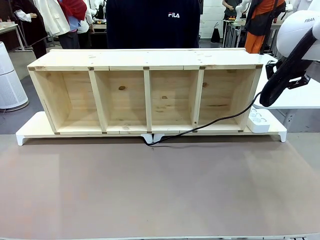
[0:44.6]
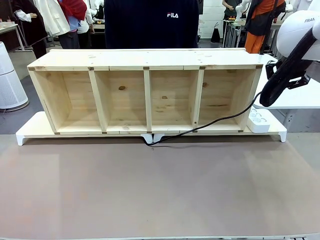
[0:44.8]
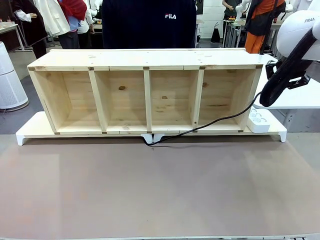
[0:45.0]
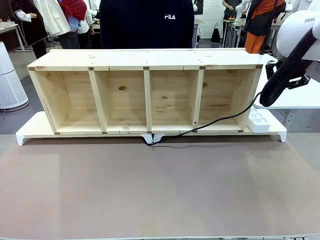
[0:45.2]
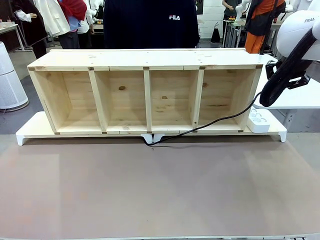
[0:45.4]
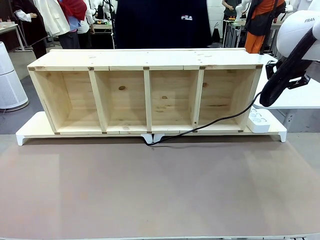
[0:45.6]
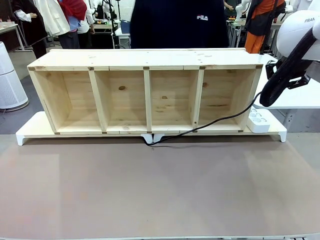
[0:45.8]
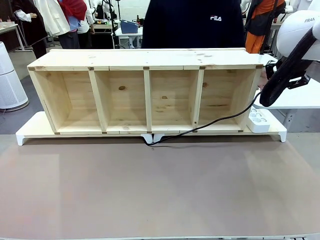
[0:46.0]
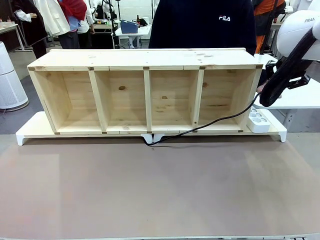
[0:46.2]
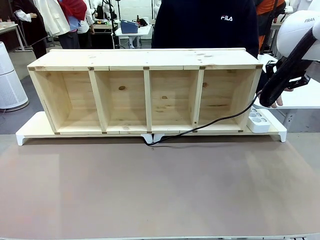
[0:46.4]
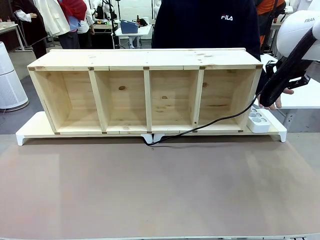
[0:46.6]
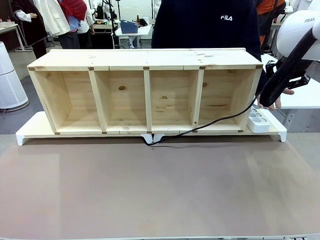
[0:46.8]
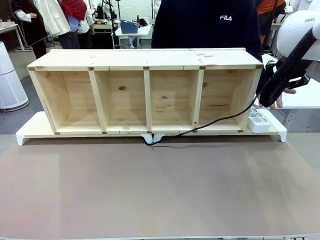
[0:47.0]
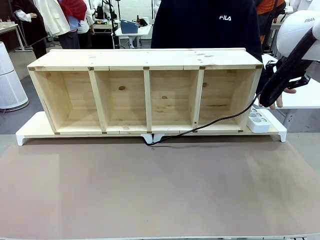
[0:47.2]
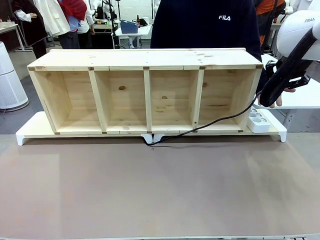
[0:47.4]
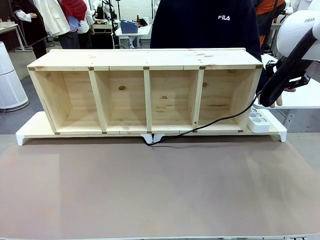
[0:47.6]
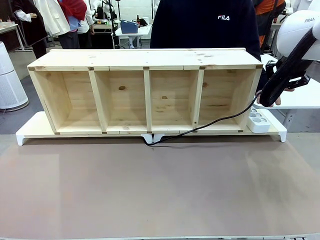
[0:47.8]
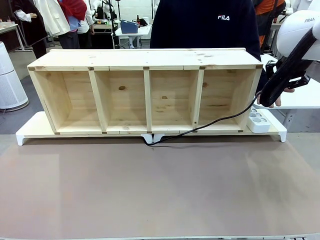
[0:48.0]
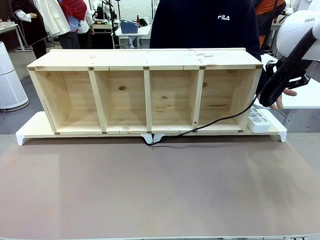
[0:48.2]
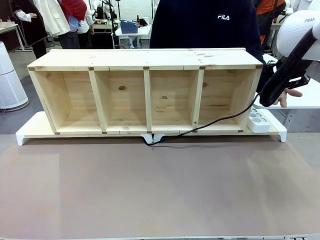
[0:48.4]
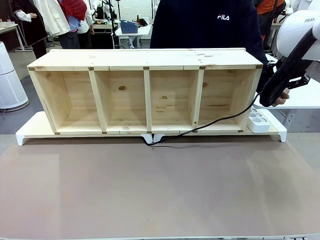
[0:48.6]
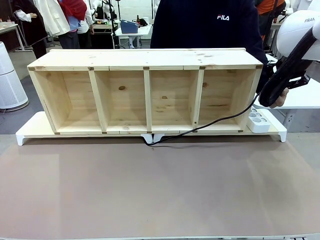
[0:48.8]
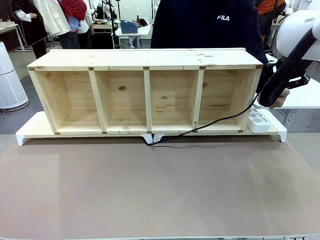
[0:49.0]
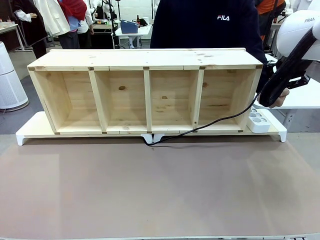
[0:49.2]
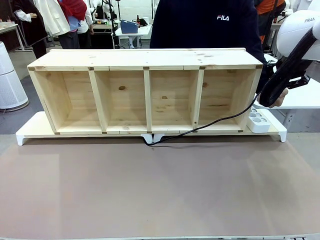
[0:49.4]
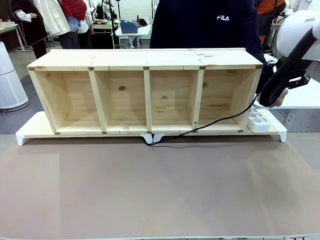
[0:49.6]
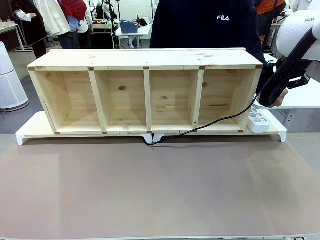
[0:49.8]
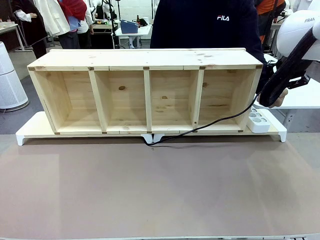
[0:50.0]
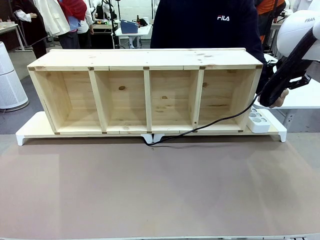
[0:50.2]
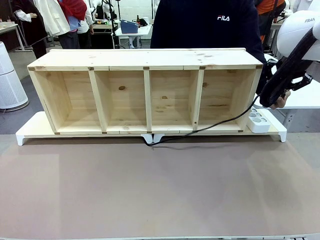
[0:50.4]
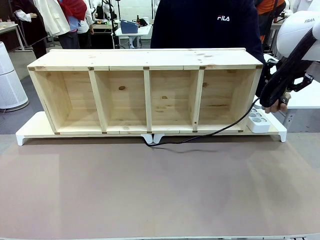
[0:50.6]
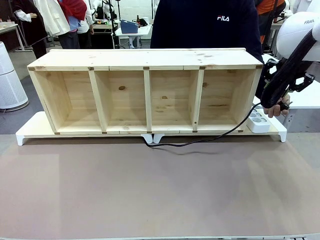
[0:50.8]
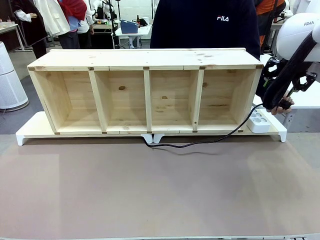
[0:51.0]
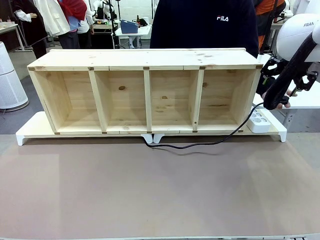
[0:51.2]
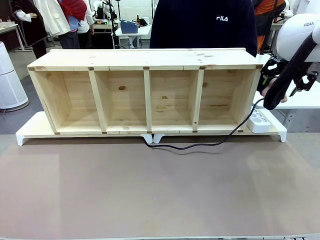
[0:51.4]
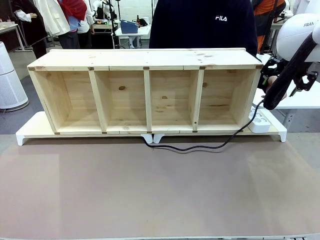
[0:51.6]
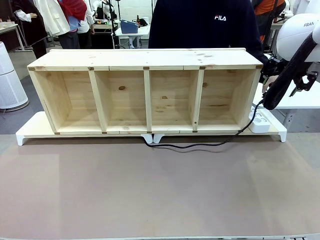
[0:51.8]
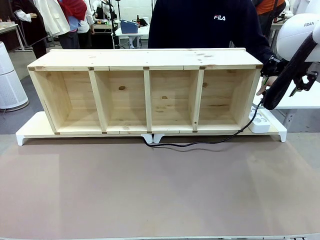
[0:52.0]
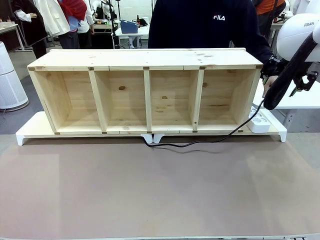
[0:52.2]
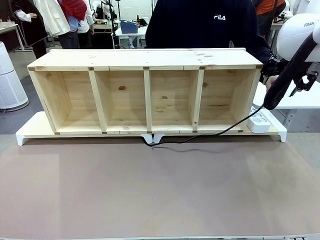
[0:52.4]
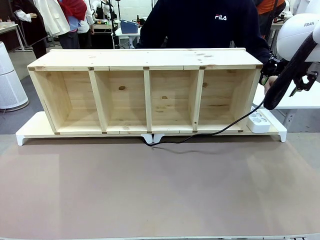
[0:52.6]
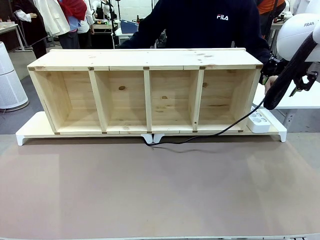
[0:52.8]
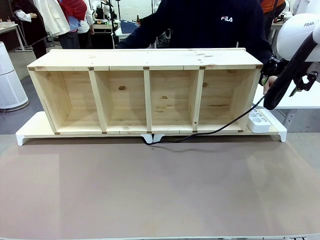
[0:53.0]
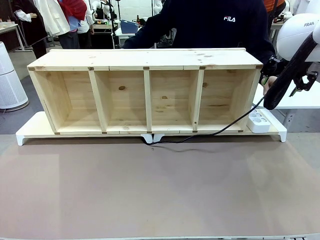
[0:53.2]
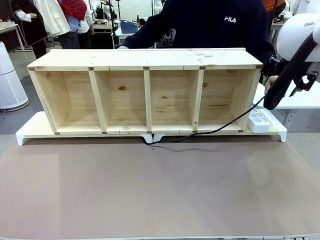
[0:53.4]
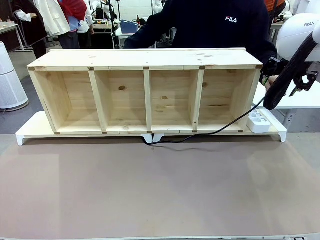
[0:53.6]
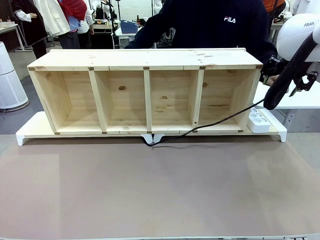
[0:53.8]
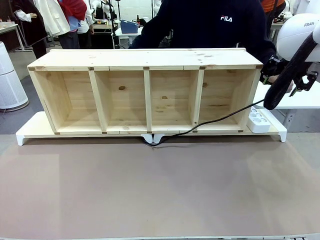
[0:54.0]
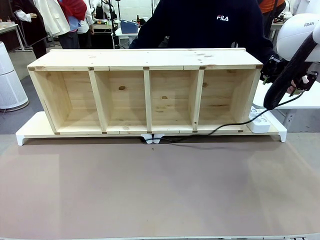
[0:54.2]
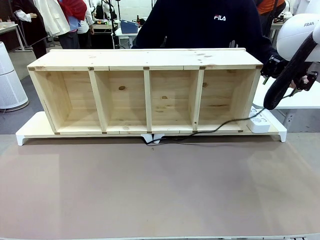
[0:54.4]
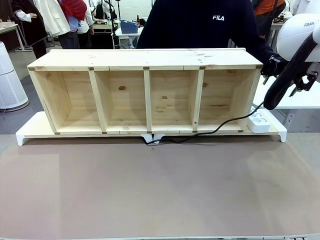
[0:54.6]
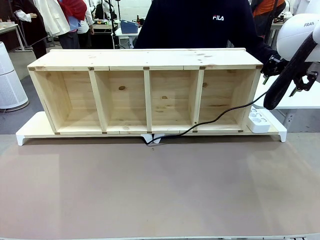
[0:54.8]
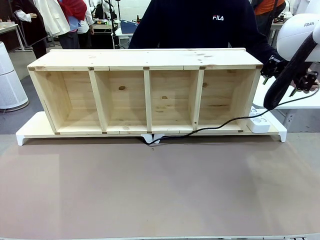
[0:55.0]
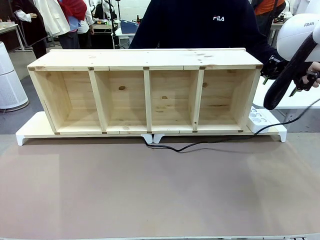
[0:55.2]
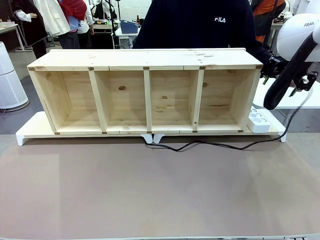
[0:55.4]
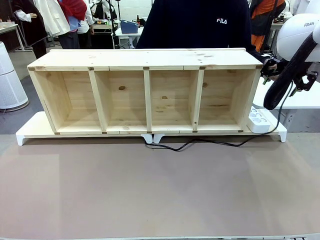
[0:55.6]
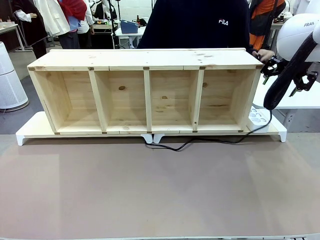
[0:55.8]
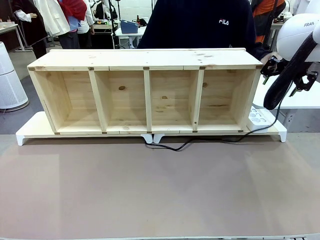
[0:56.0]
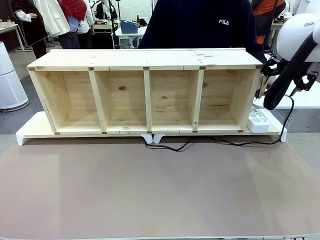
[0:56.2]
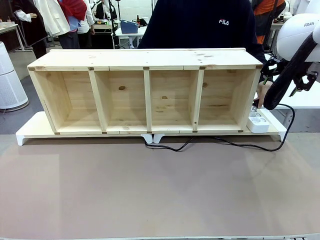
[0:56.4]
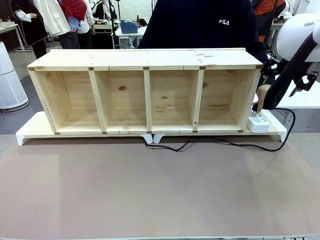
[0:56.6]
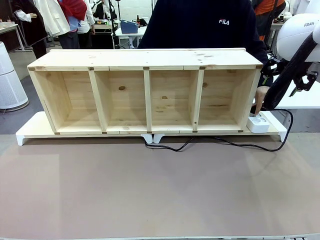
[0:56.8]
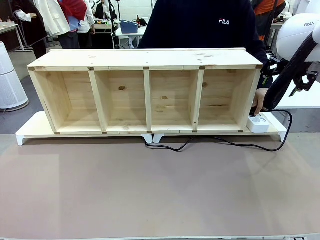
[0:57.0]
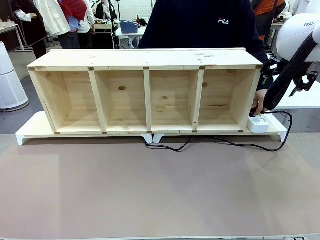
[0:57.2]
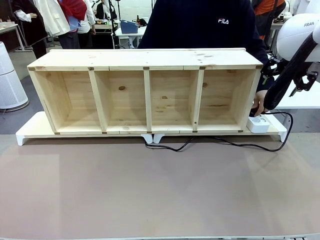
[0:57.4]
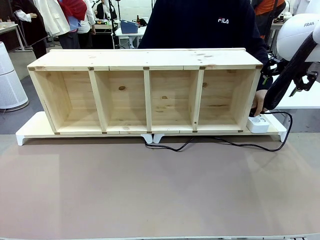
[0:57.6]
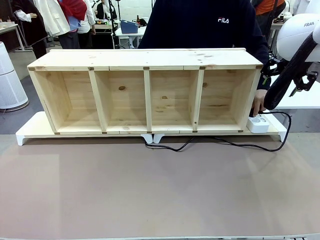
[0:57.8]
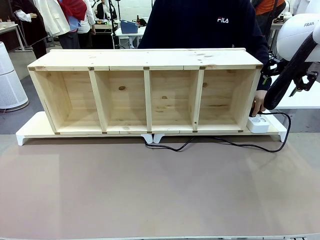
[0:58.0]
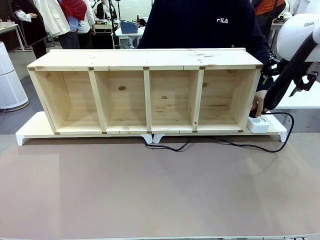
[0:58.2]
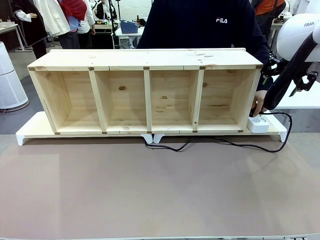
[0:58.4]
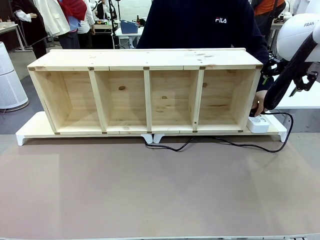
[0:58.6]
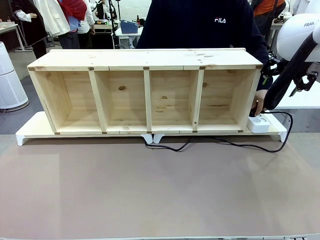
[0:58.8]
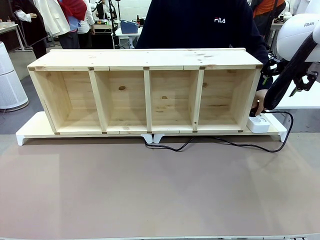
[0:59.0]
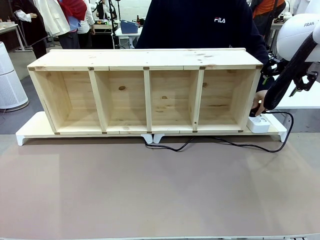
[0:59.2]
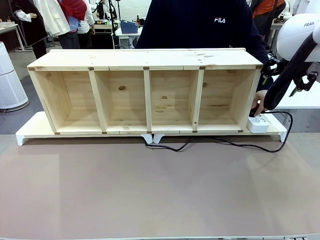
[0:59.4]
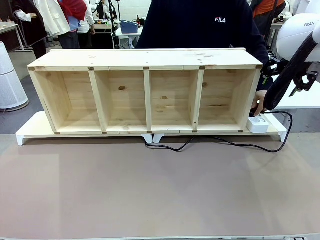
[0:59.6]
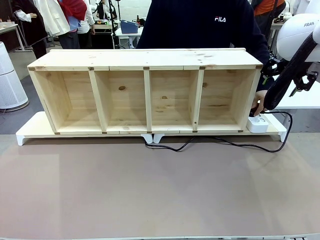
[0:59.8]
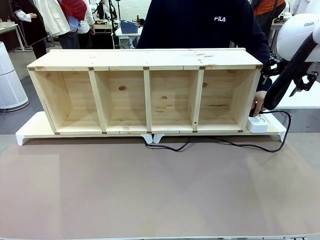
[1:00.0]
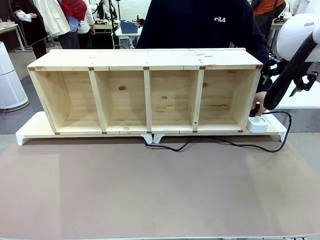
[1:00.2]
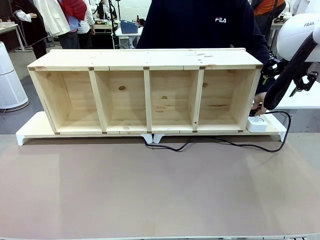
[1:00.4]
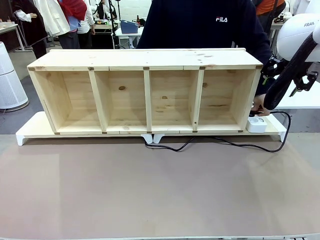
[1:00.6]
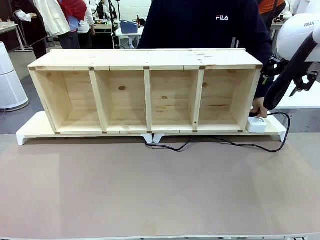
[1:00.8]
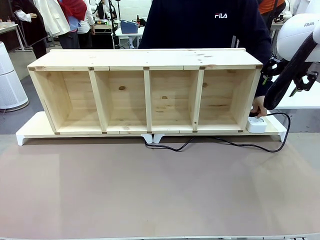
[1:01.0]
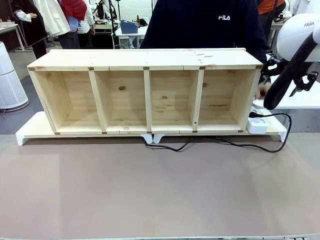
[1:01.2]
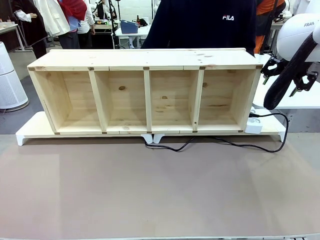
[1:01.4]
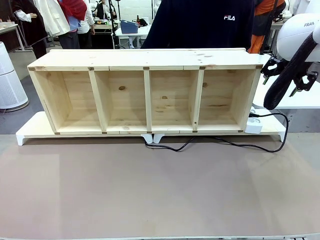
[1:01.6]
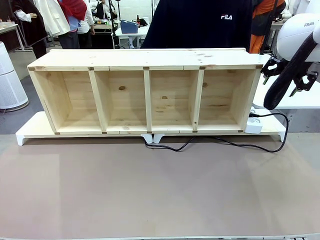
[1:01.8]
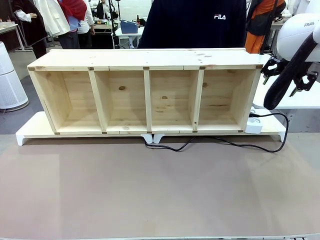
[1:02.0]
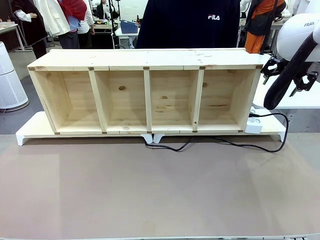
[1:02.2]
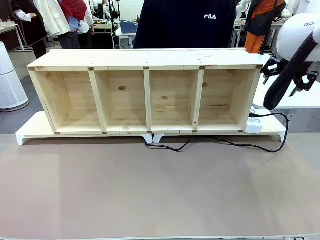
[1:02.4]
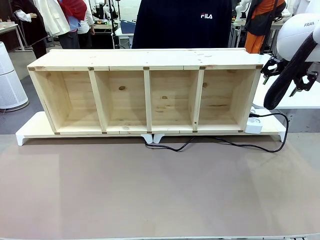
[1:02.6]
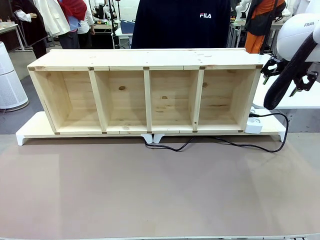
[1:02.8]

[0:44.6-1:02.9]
Task: Perform cable management.
Robot: Release the Power Cable when the human grasps it.
Person: Plug the Power Cable into the Power Strip.
